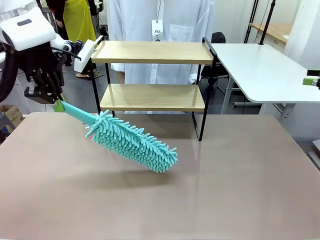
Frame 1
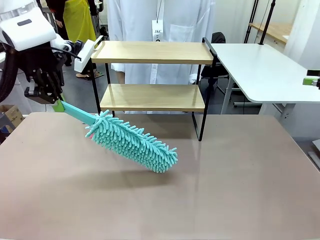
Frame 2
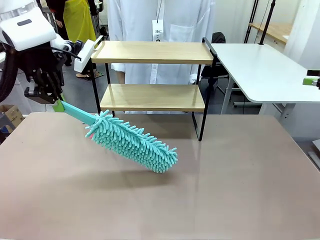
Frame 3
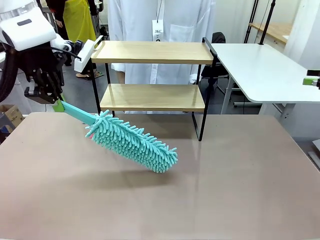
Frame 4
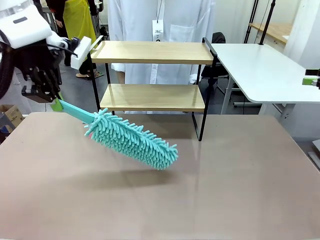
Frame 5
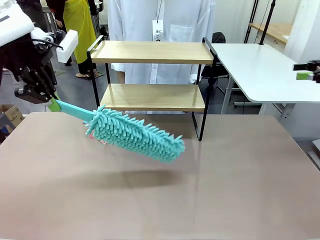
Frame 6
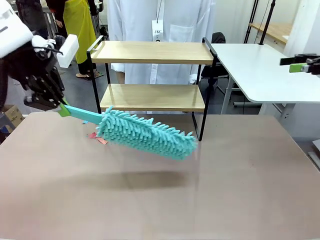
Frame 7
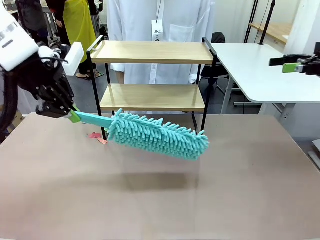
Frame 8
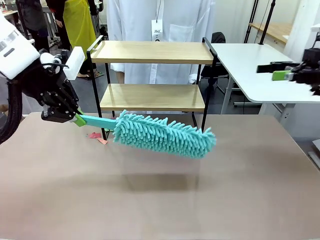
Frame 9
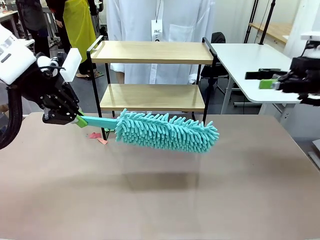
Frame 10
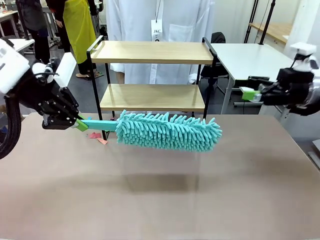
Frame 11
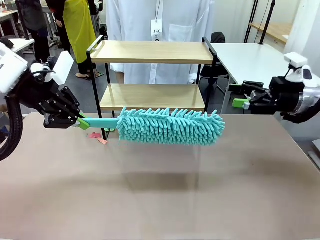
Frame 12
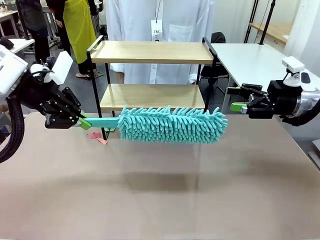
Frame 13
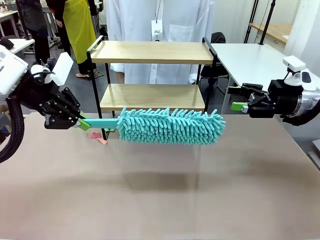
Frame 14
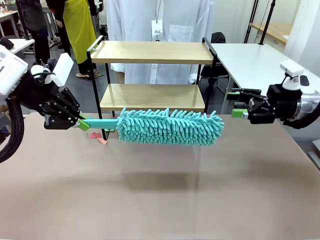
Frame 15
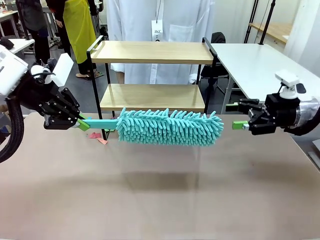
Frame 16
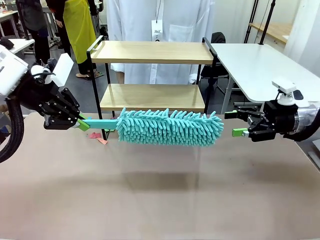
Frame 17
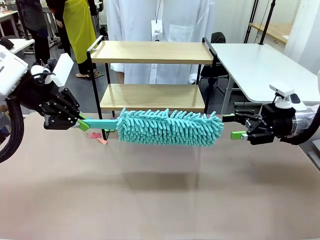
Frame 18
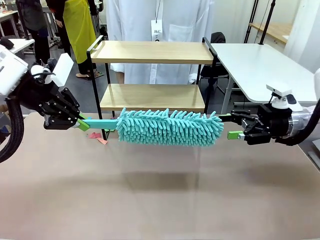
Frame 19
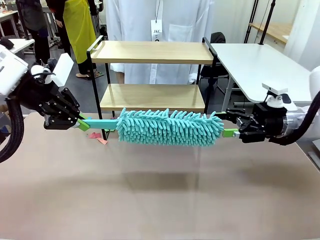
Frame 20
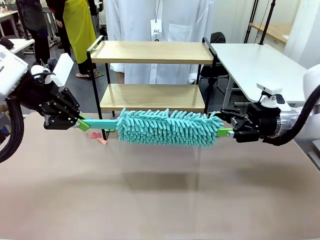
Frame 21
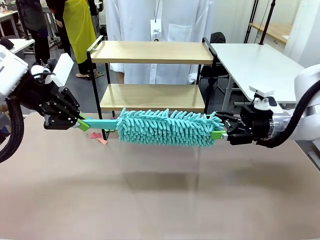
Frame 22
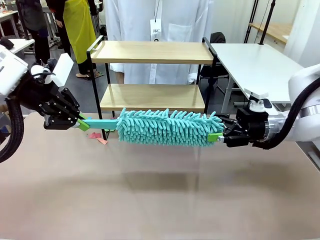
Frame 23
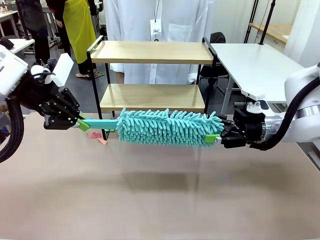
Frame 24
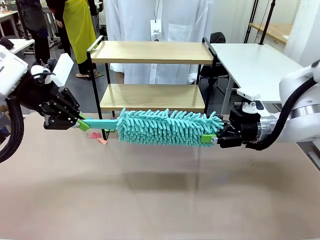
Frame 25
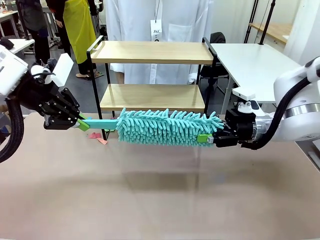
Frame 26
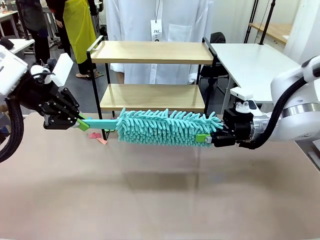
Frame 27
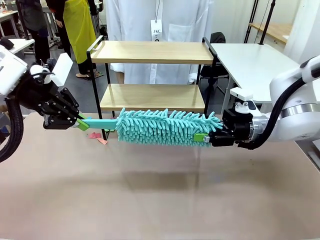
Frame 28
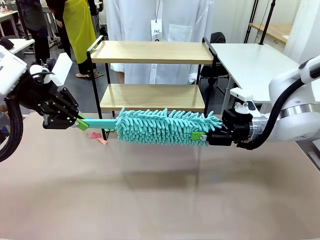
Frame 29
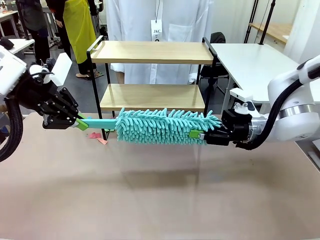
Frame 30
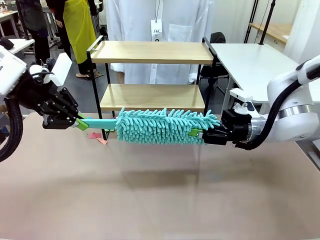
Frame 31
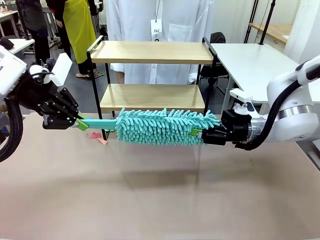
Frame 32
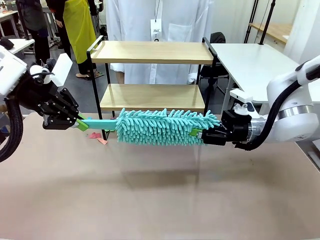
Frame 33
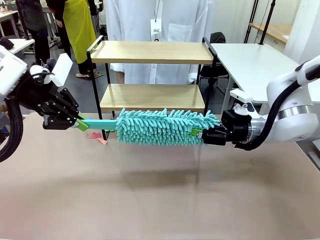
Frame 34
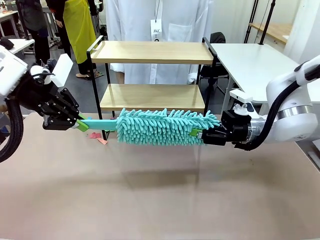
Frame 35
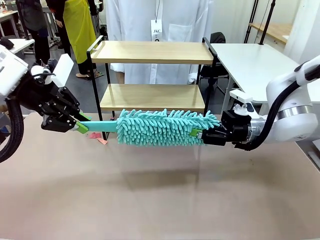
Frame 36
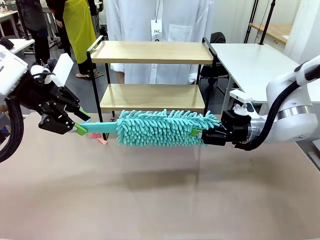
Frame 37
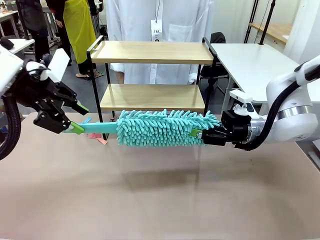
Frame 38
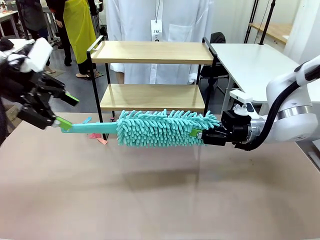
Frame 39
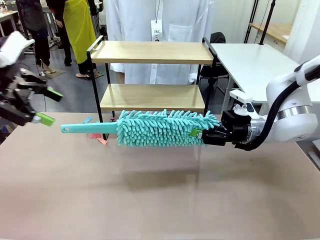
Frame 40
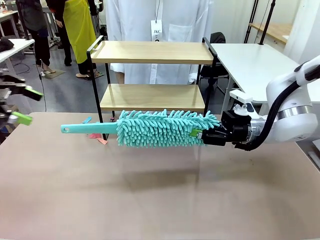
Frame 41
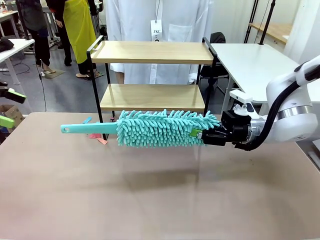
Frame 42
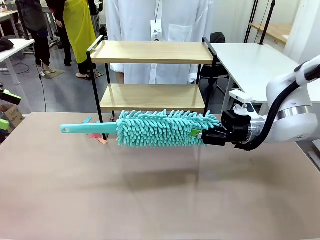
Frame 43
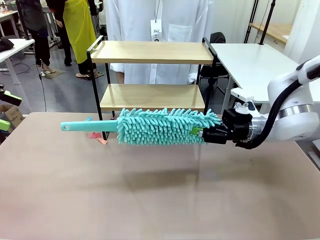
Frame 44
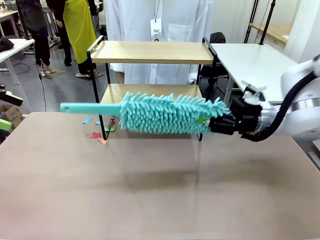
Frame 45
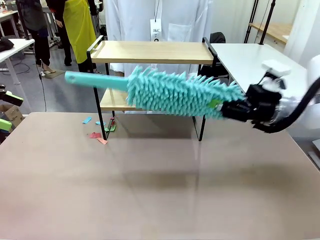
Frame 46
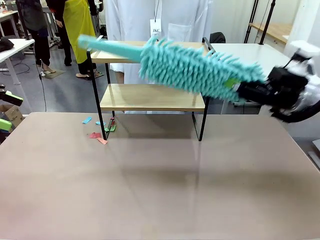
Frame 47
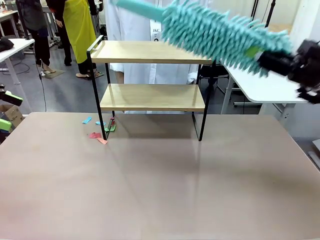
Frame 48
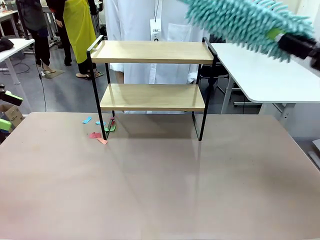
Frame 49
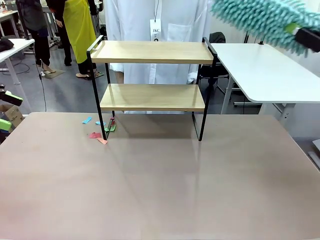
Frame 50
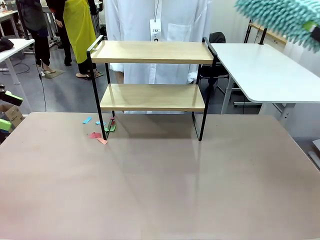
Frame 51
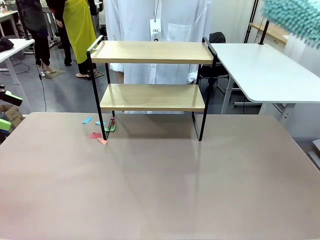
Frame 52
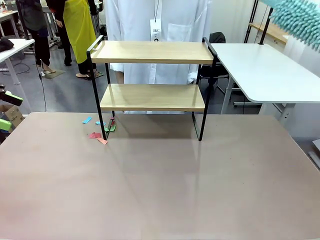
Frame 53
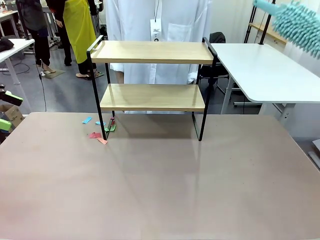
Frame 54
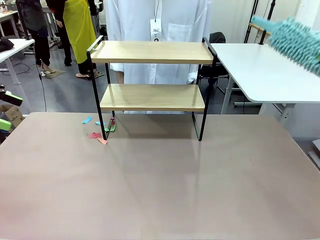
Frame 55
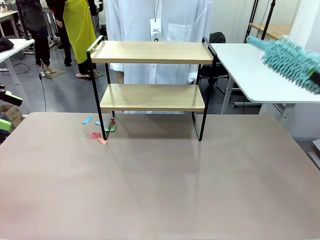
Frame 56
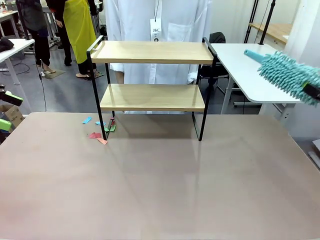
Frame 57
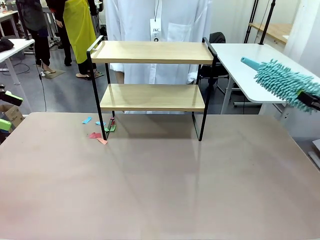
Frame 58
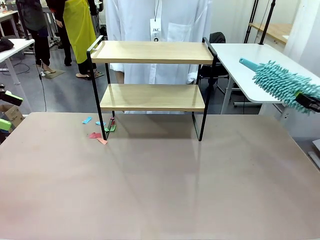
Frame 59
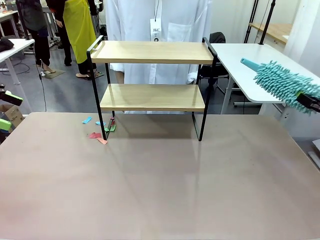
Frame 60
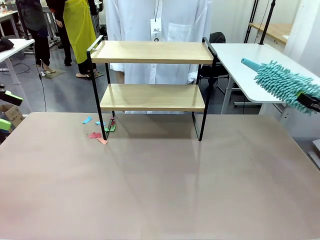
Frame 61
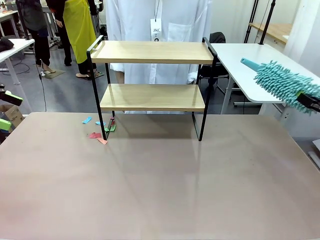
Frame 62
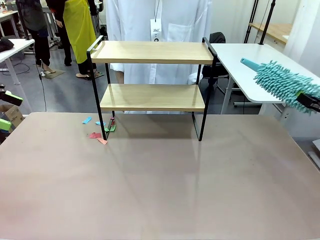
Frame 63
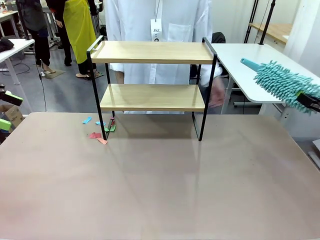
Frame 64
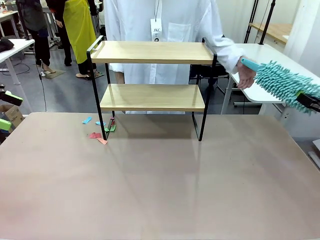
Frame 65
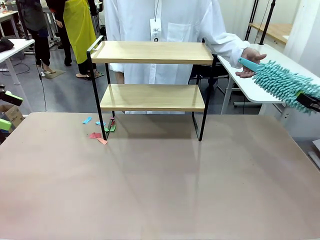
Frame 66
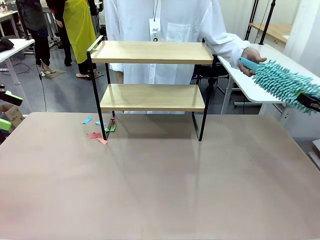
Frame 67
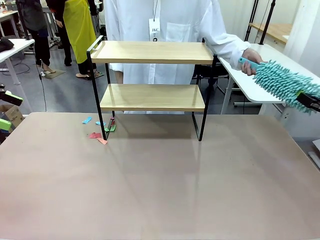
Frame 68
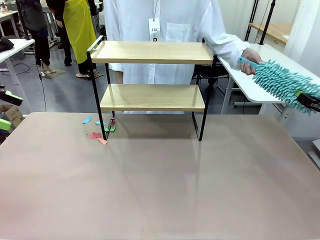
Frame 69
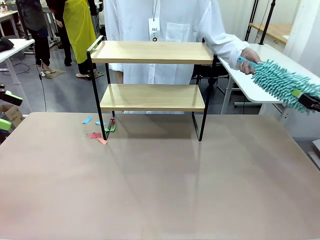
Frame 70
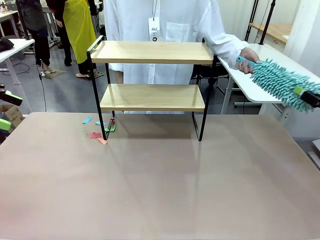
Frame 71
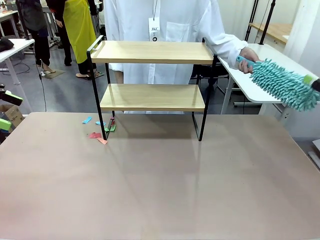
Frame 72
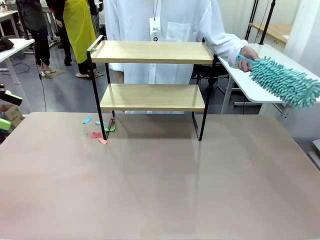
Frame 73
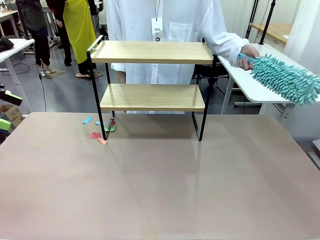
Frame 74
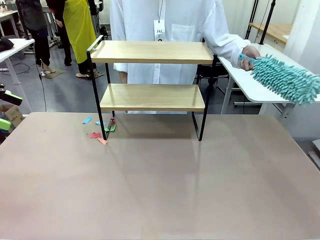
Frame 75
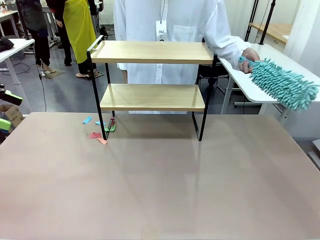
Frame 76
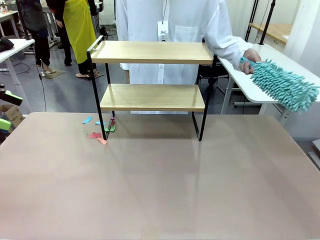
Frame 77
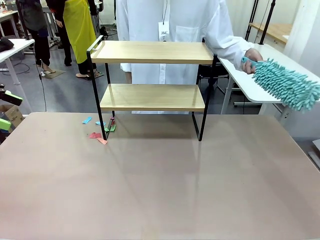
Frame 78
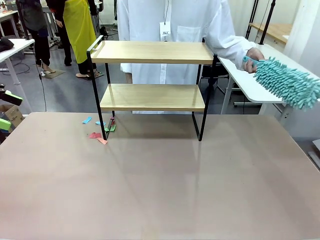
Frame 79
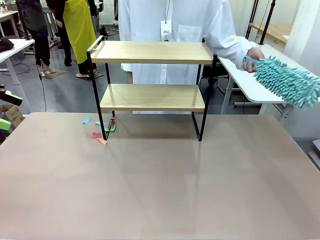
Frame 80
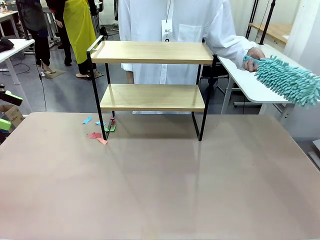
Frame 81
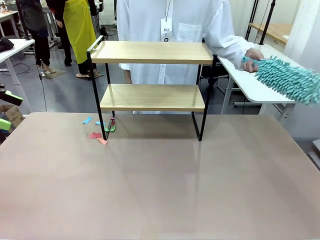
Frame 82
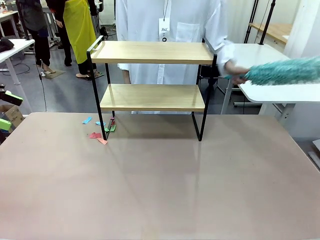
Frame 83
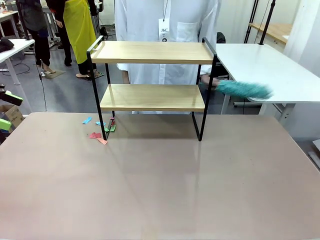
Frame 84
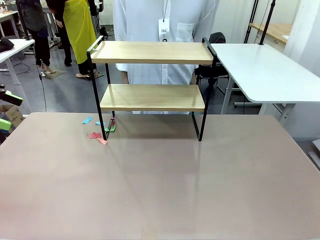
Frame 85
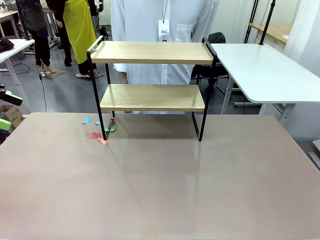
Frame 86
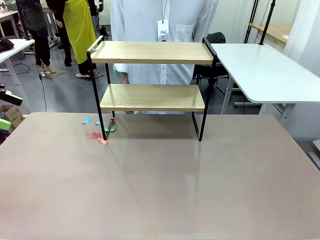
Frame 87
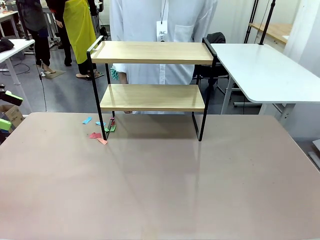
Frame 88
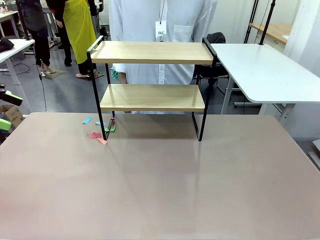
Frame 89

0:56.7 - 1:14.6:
Task: Clean the shelf.
Robot: Hand the Duster back to the human.
Person: Receive the Duster from the robot.
